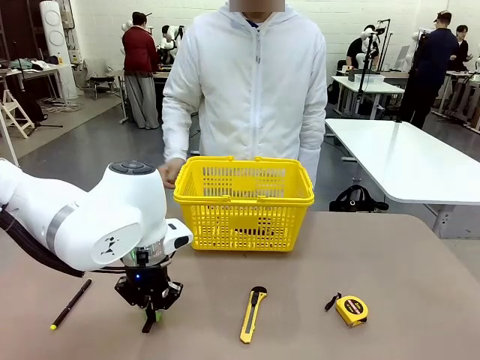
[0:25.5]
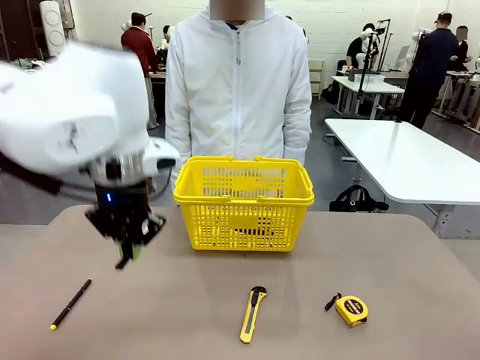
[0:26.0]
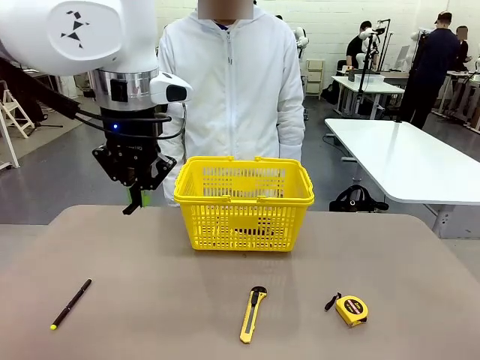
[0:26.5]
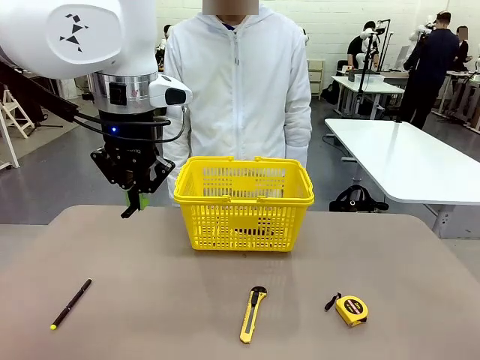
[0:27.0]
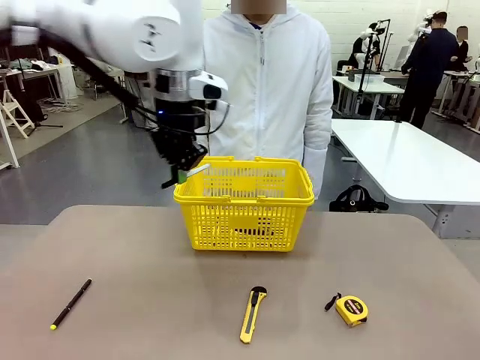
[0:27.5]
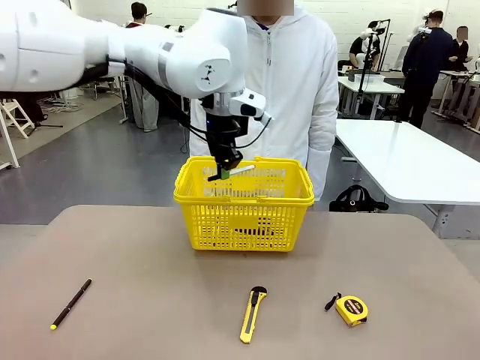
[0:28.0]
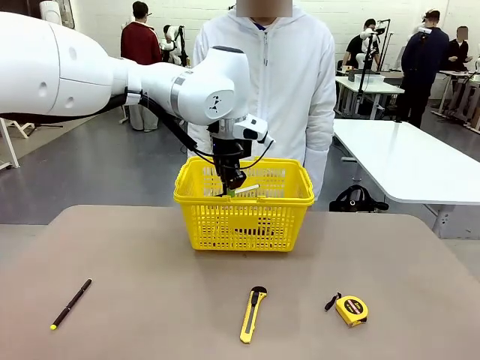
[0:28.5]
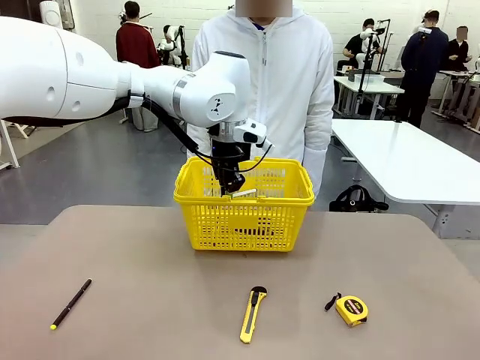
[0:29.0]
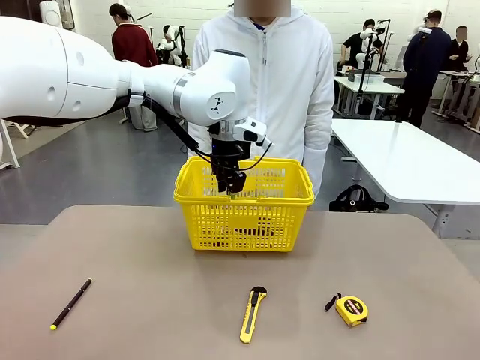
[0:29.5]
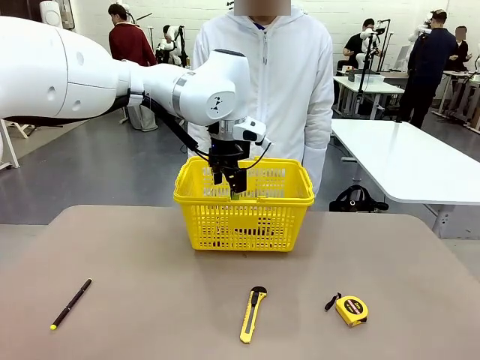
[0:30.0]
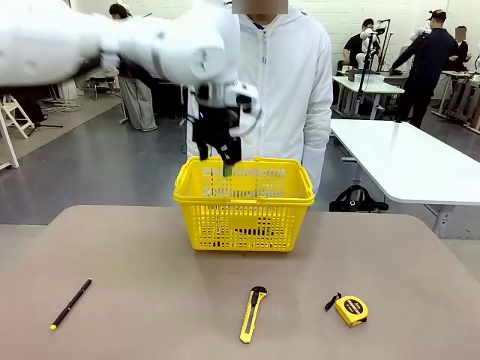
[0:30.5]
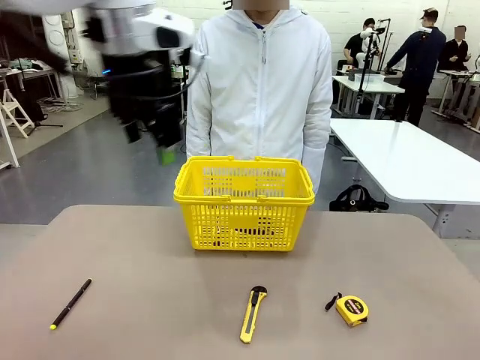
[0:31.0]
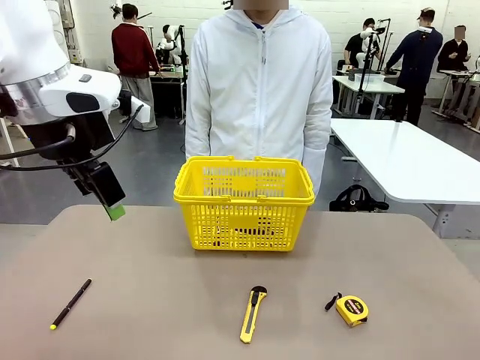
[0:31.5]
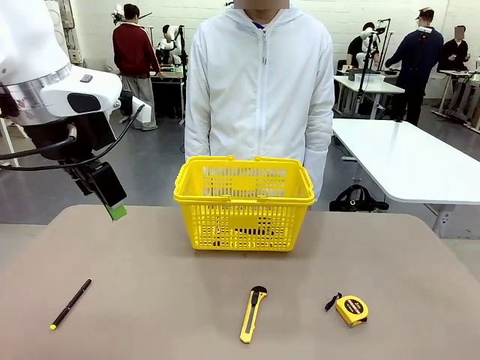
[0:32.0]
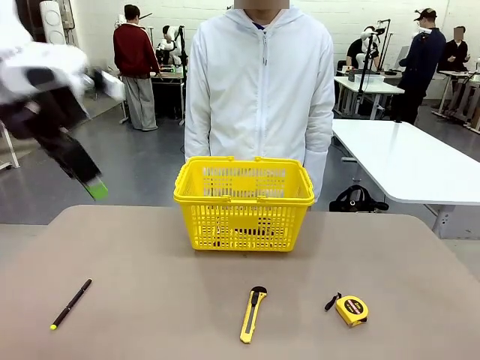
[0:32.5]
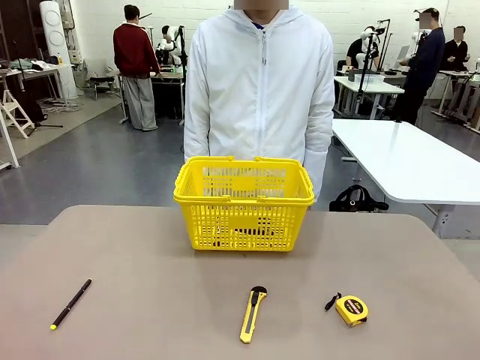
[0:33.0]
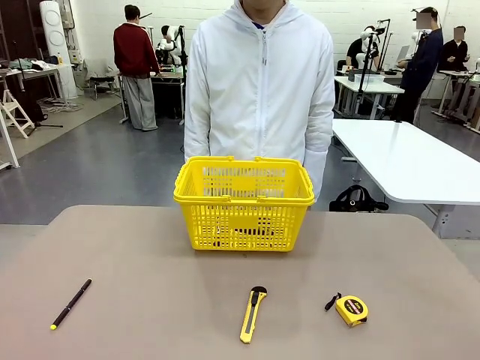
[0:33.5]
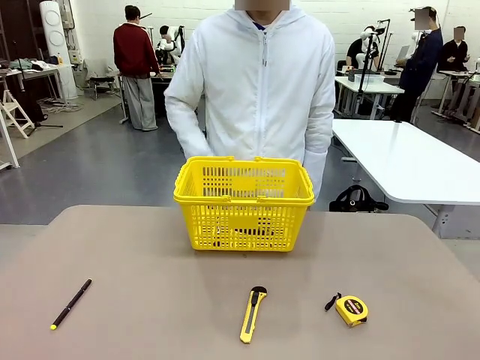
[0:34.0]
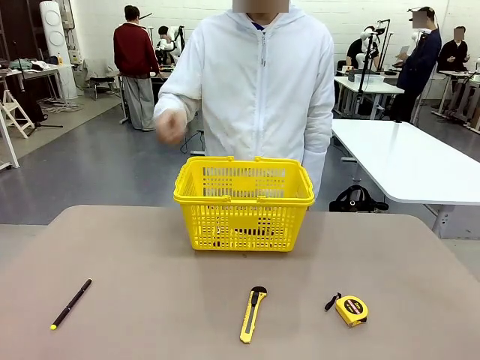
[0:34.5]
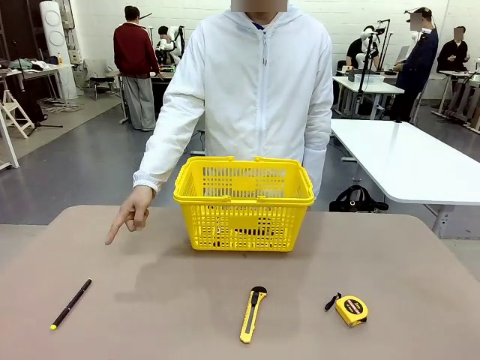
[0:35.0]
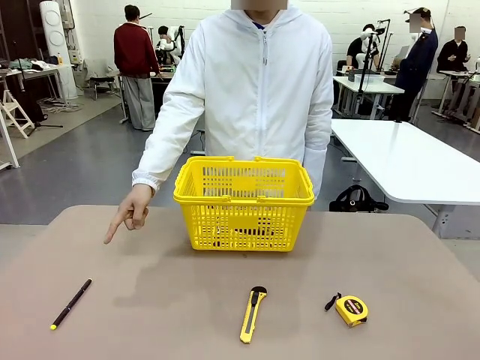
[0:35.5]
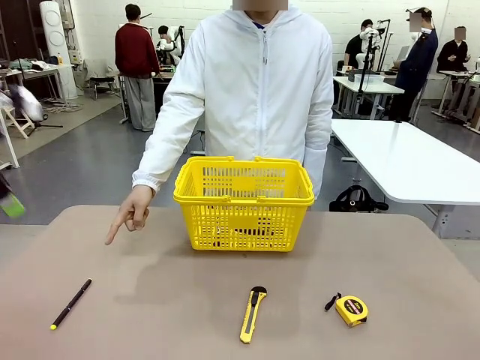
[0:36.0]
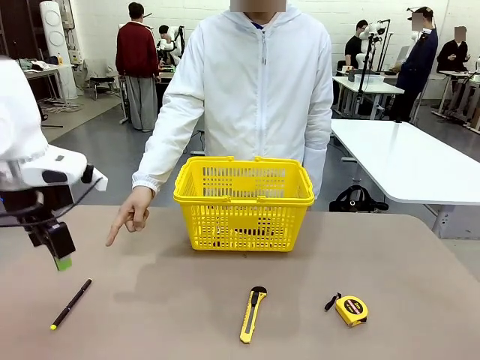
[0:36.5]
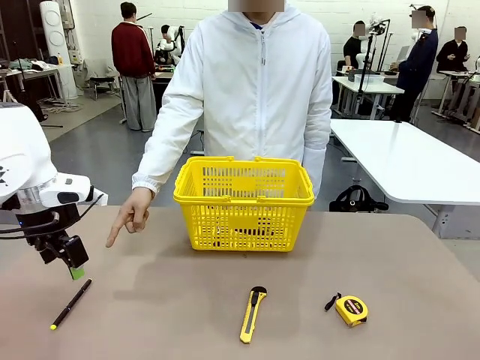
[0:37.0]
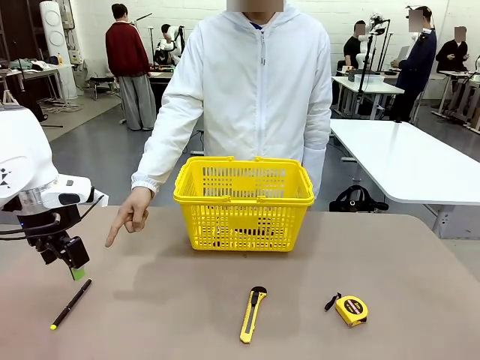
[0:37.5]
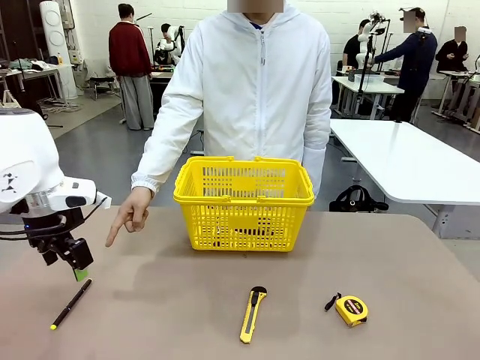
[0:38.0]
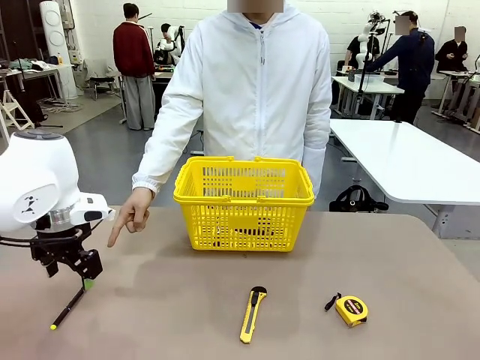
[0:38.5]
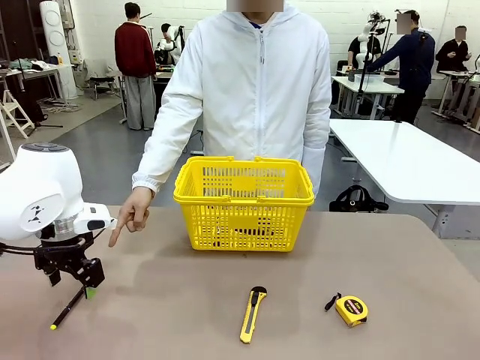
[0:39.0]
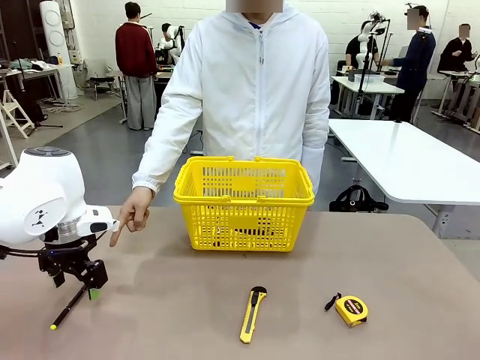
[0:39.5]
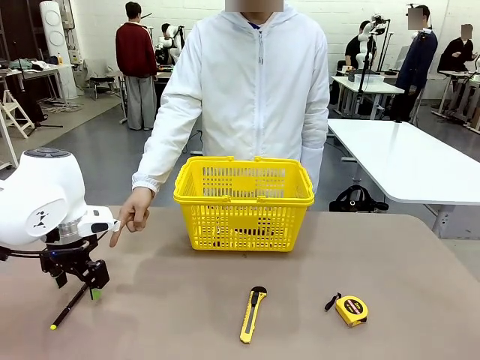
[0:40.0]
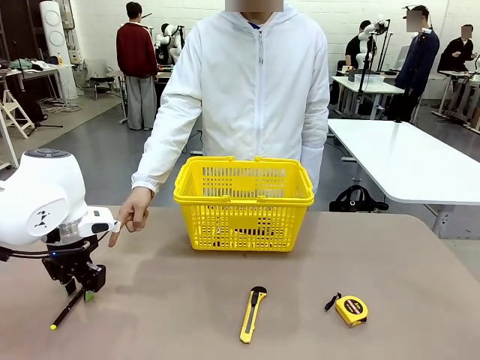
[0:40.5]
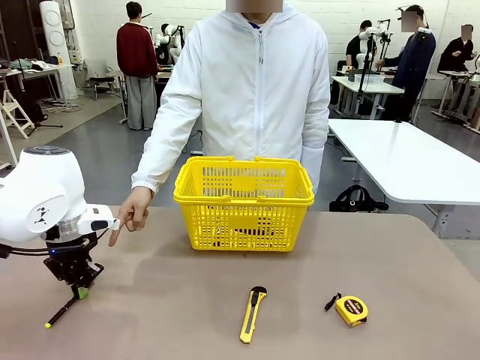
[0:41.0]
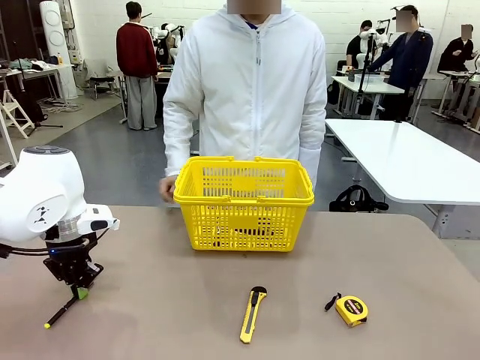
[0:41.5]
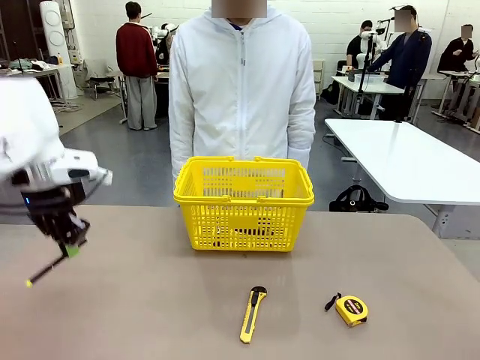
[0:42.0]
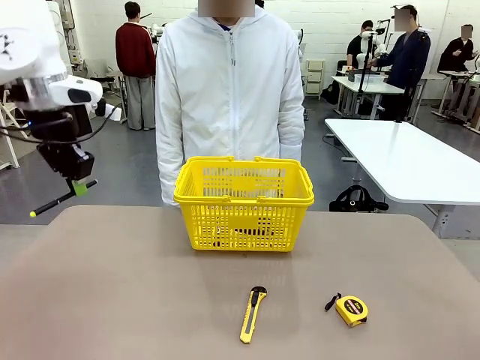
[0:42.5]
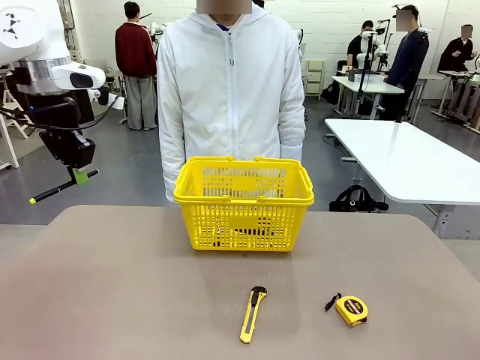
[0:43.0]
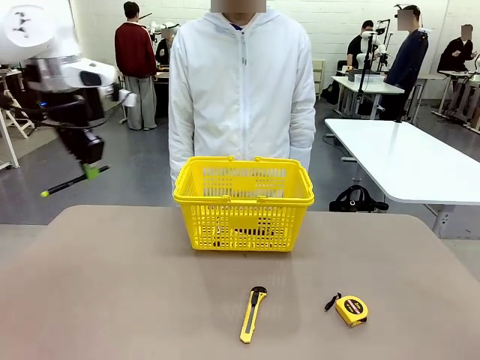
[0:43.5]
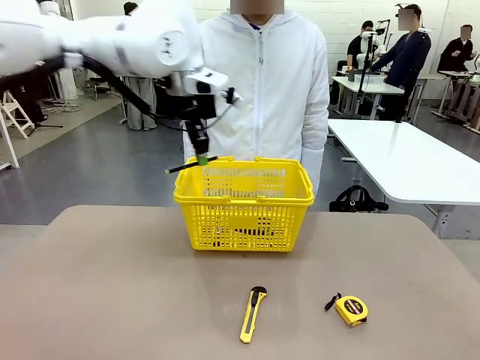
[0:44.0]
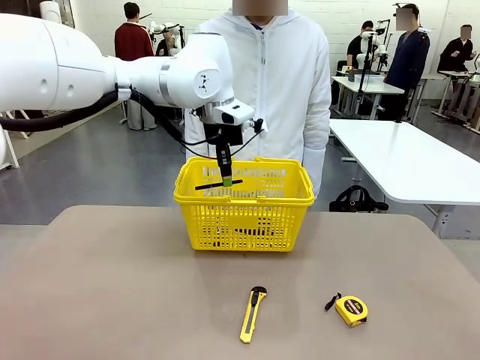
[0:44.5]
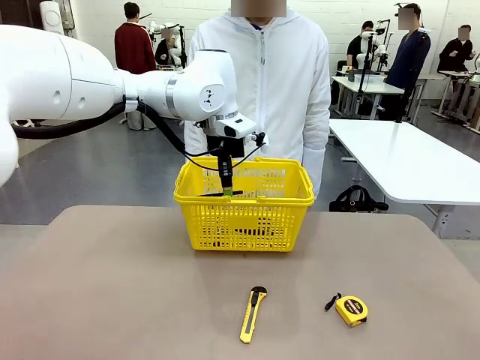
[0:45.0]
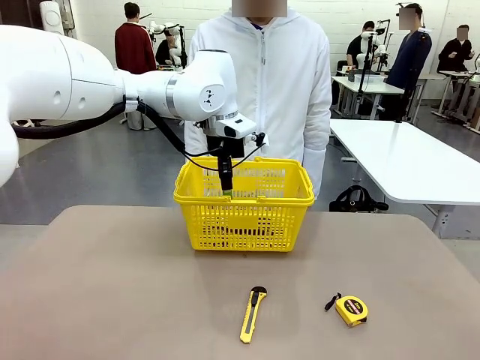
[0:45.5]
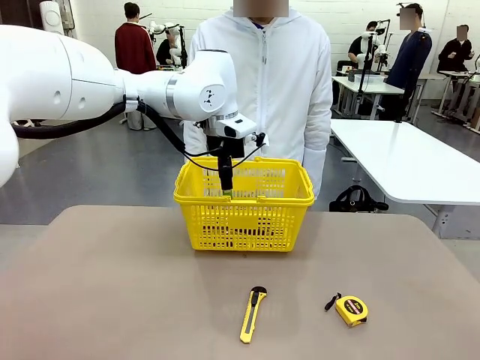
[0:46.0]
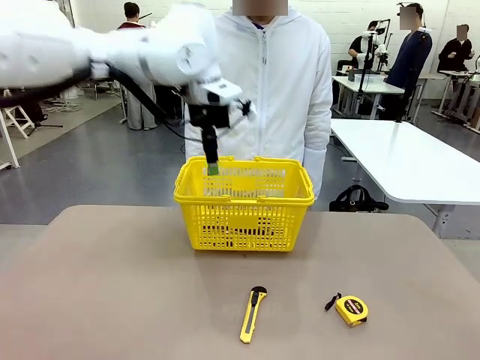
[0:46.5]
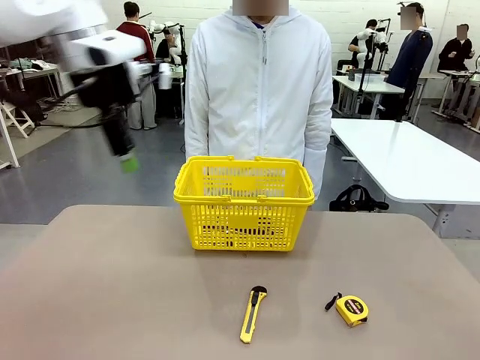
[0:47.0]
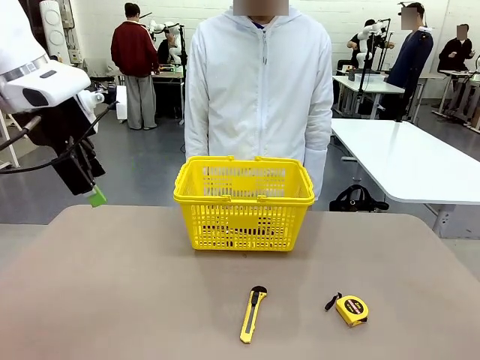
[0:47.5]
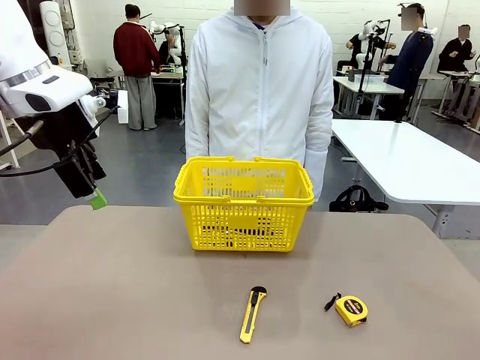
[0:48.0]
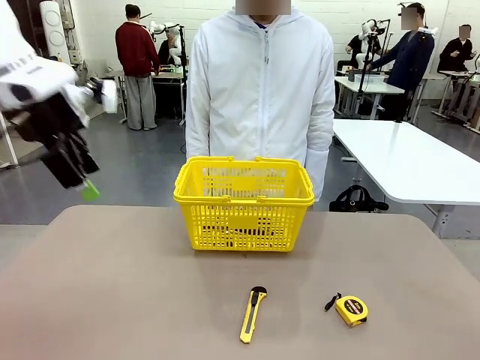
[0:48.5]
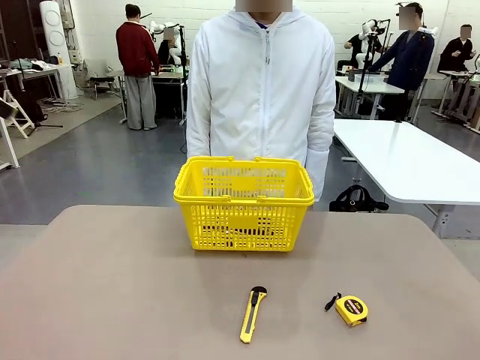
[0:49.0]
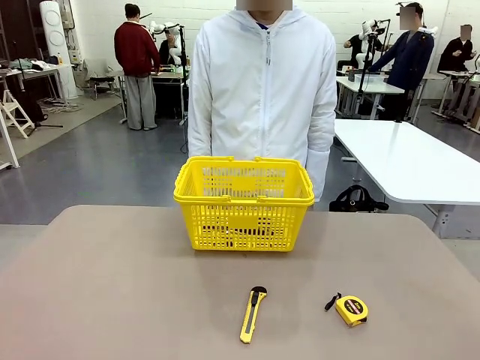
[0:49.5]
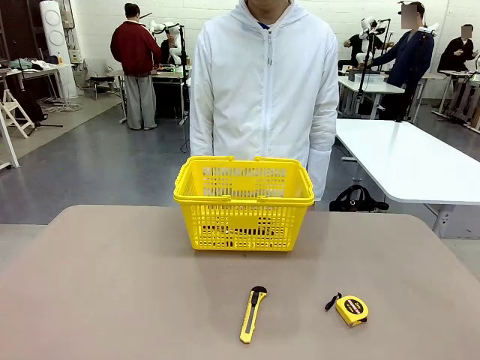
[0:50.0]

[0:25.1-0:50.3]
Task: Place the items the person wants into the basket.
Robot: Pick up the item the person points to and place it in the Market Basket.
Person: Point to one object on the table (excluding the basket).

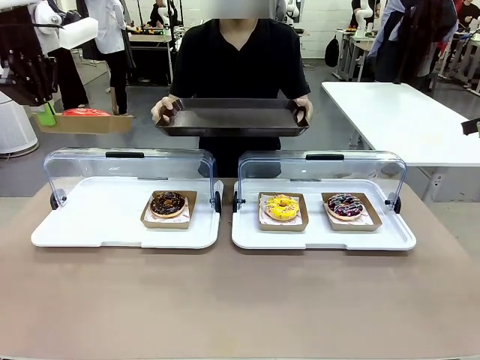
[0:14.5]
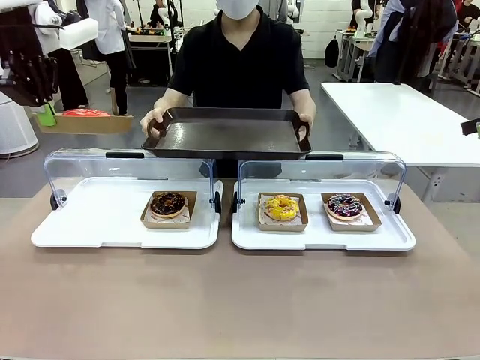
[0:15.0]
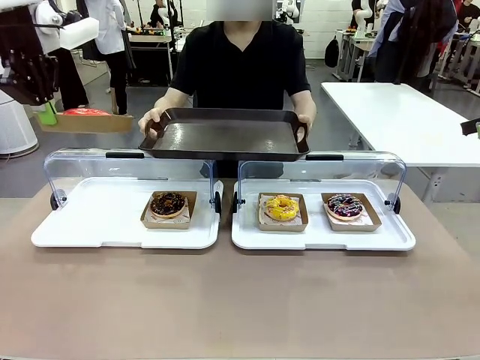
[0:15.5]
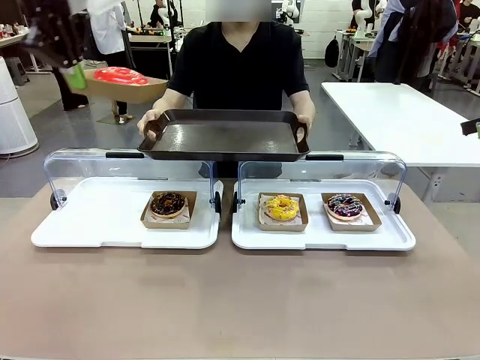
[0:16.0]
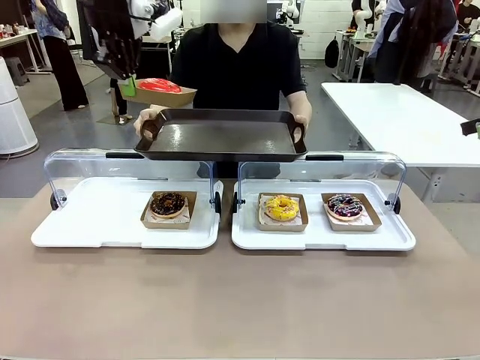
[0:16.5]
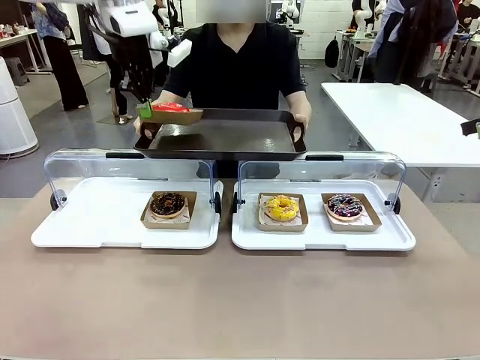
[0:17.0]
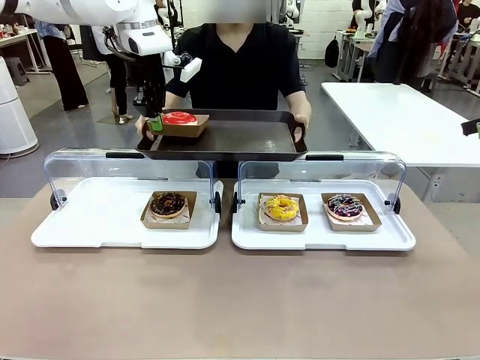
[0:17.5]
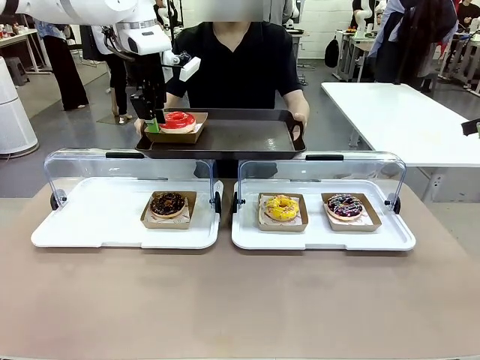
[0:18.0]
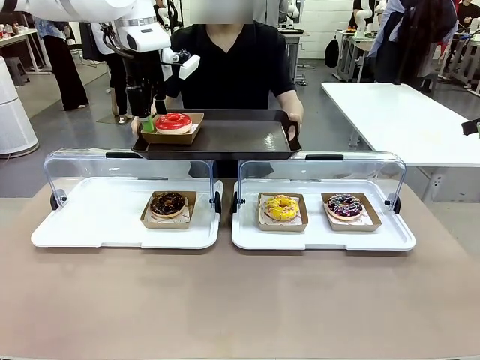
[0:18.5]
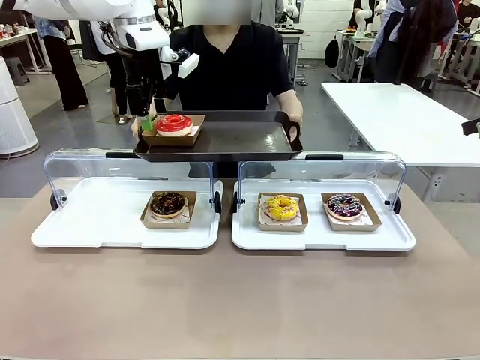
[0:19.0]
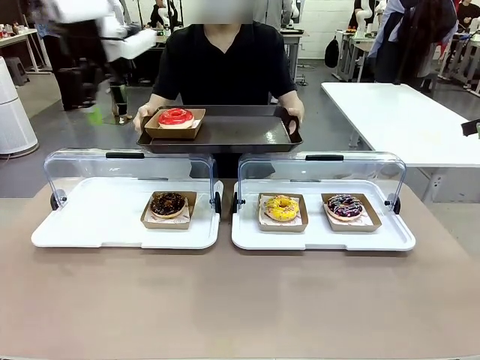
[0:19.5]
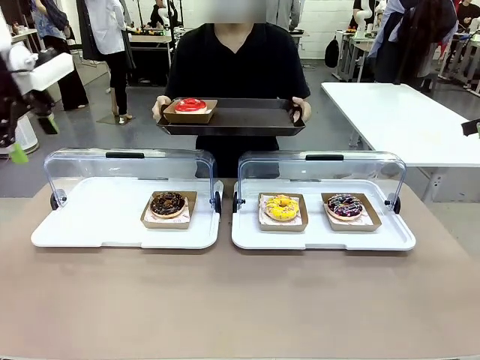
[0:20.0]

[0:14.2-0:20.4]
Task: Provide the desired donut to the person.
Robot: Place the picked Paper togo box onto the Handle tray extended by the person.
